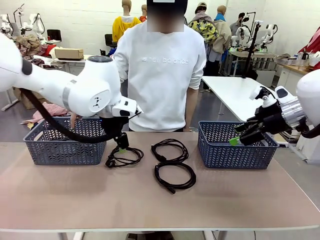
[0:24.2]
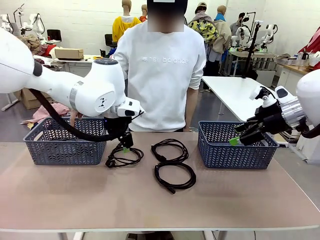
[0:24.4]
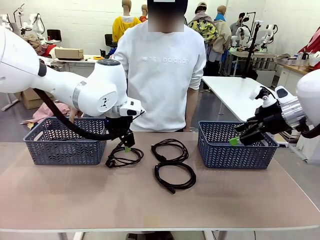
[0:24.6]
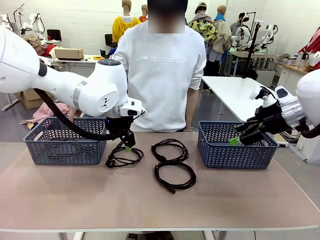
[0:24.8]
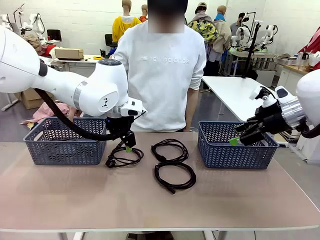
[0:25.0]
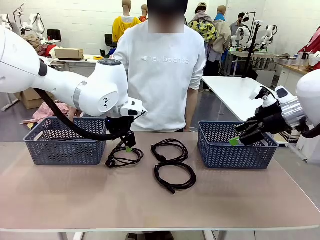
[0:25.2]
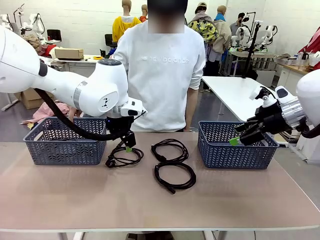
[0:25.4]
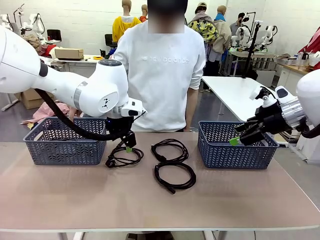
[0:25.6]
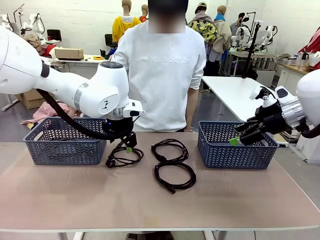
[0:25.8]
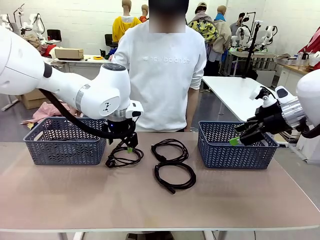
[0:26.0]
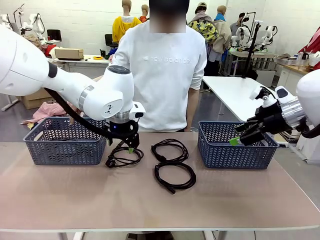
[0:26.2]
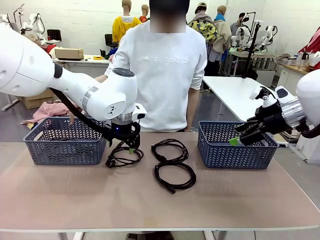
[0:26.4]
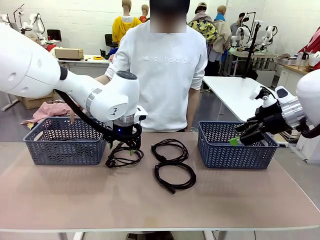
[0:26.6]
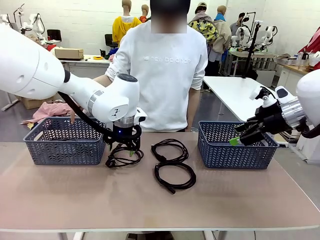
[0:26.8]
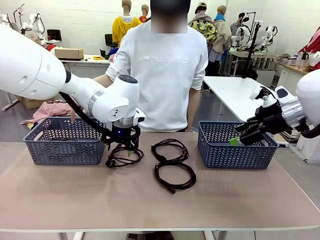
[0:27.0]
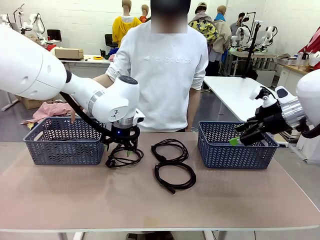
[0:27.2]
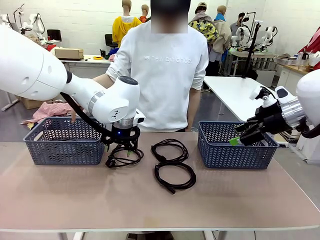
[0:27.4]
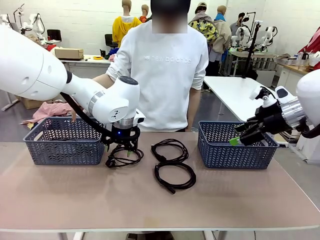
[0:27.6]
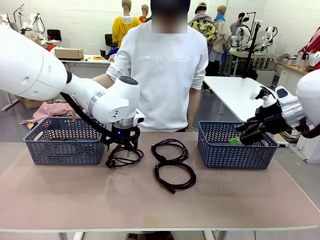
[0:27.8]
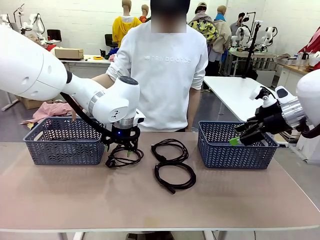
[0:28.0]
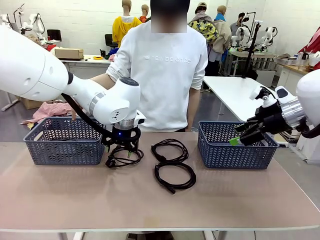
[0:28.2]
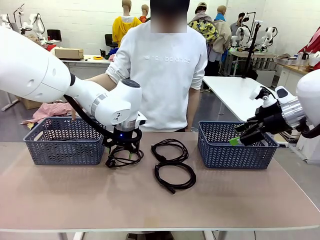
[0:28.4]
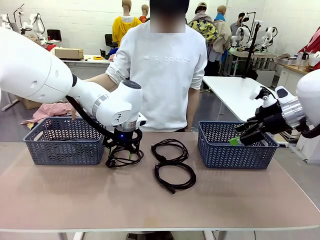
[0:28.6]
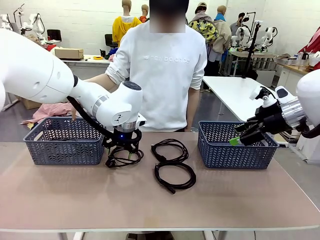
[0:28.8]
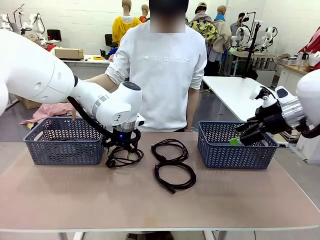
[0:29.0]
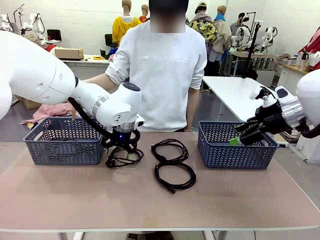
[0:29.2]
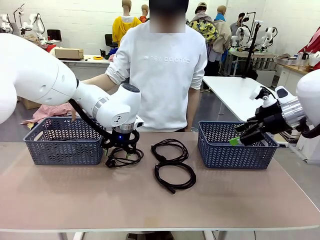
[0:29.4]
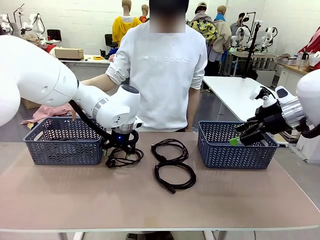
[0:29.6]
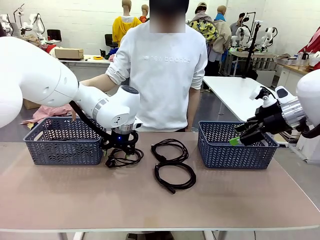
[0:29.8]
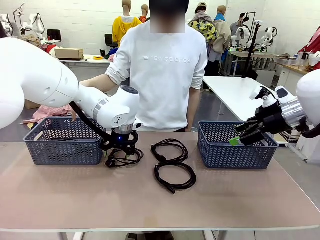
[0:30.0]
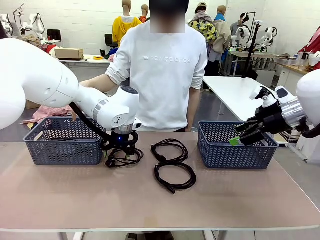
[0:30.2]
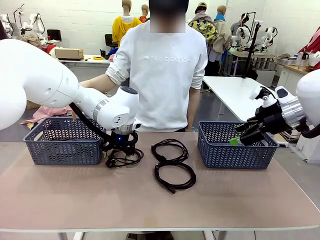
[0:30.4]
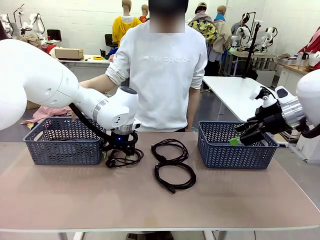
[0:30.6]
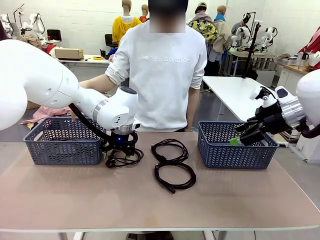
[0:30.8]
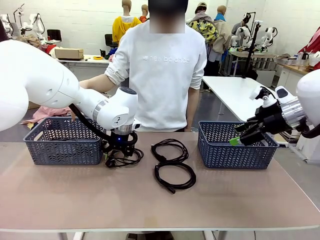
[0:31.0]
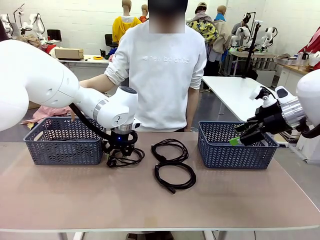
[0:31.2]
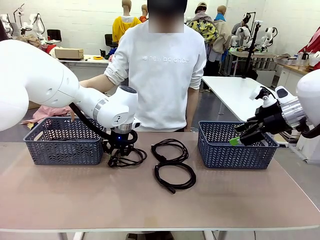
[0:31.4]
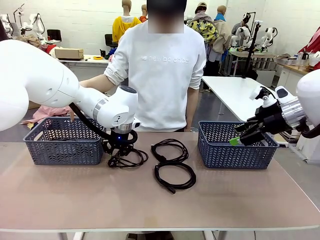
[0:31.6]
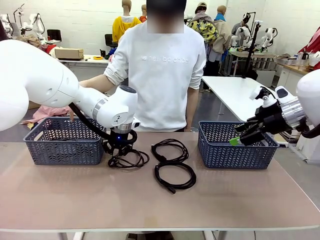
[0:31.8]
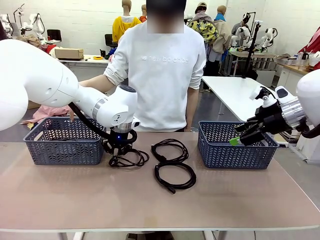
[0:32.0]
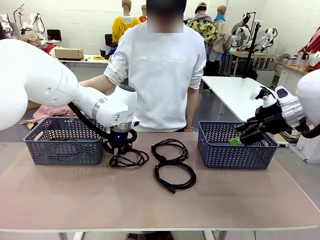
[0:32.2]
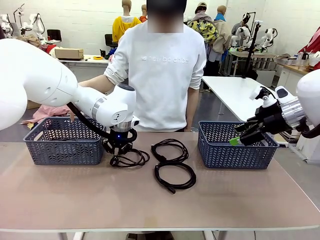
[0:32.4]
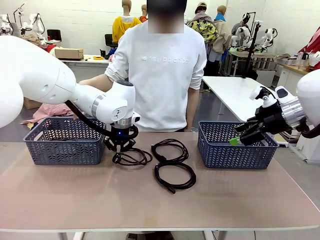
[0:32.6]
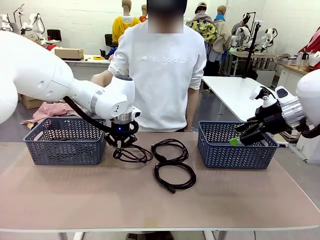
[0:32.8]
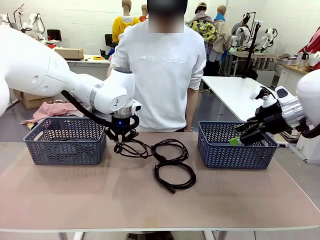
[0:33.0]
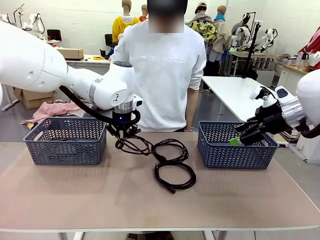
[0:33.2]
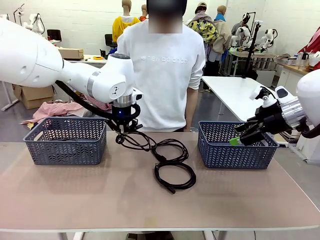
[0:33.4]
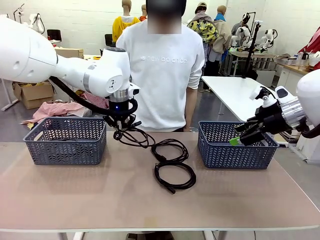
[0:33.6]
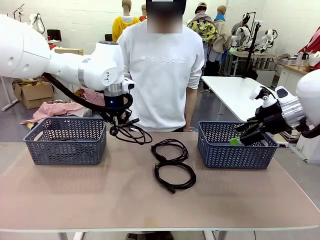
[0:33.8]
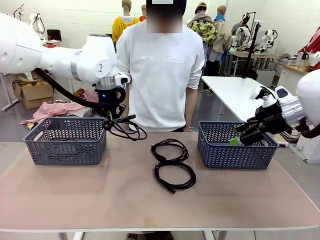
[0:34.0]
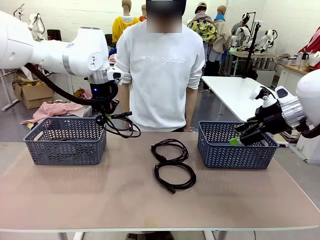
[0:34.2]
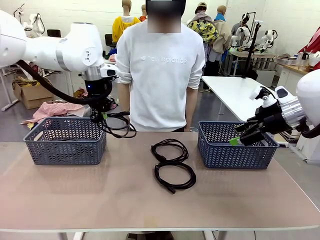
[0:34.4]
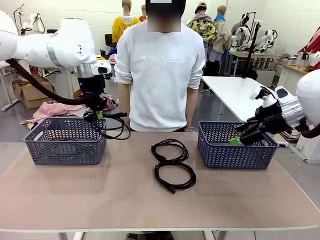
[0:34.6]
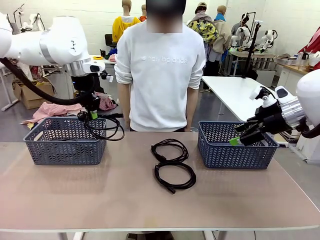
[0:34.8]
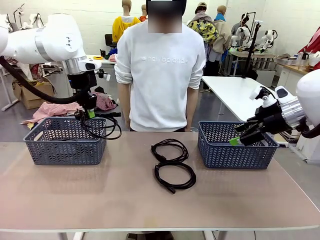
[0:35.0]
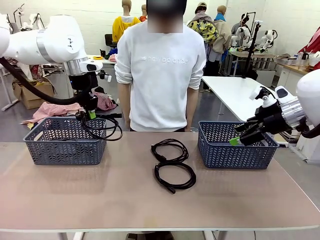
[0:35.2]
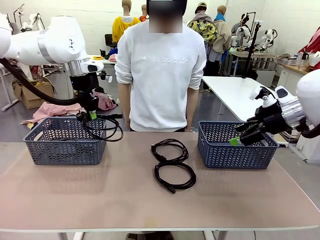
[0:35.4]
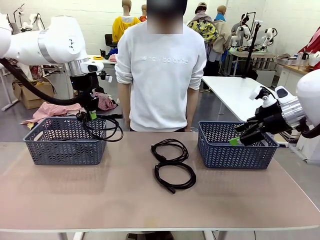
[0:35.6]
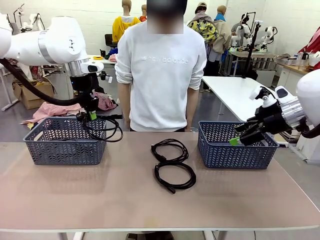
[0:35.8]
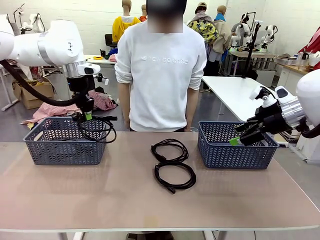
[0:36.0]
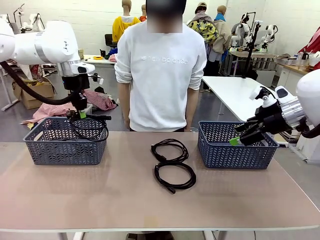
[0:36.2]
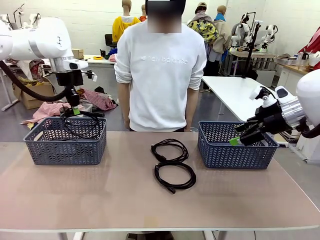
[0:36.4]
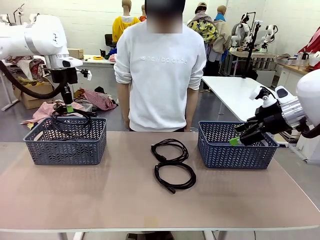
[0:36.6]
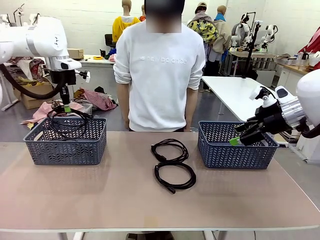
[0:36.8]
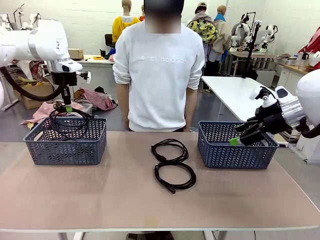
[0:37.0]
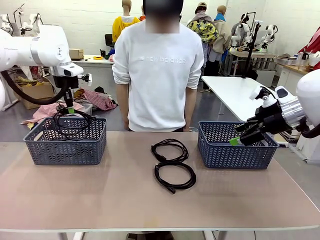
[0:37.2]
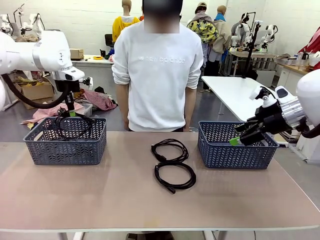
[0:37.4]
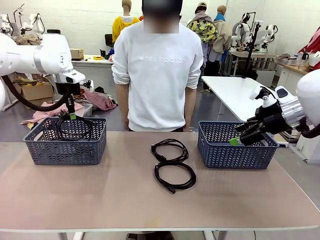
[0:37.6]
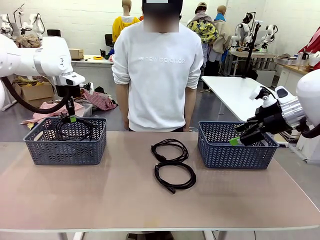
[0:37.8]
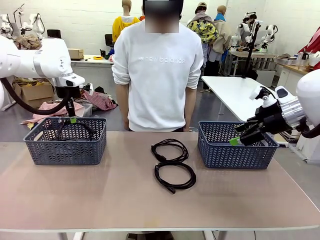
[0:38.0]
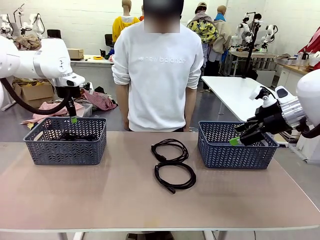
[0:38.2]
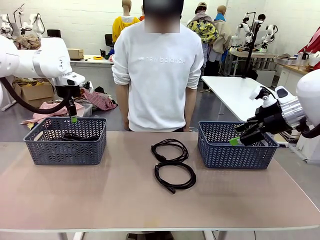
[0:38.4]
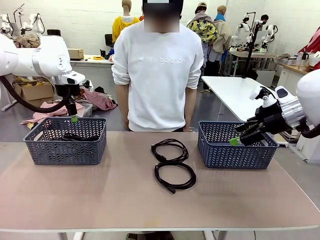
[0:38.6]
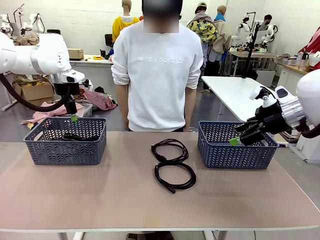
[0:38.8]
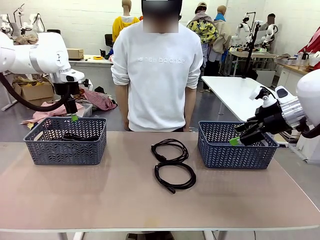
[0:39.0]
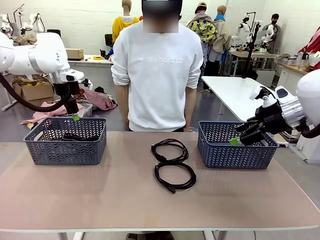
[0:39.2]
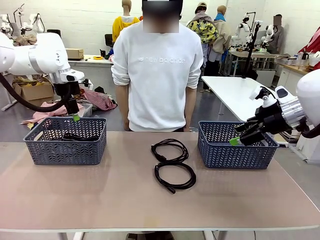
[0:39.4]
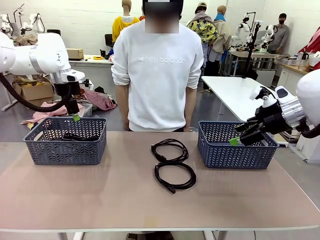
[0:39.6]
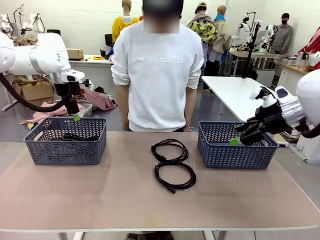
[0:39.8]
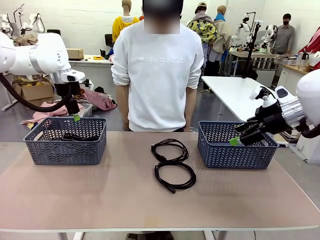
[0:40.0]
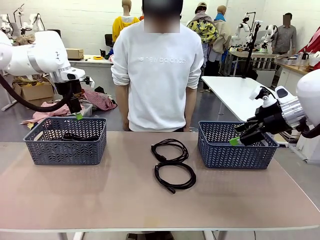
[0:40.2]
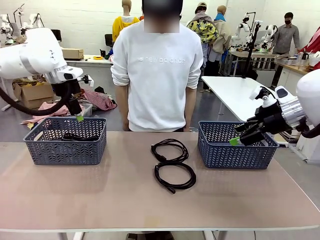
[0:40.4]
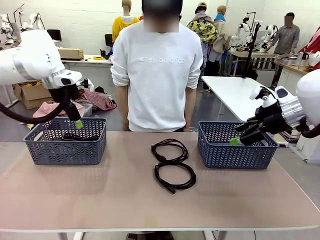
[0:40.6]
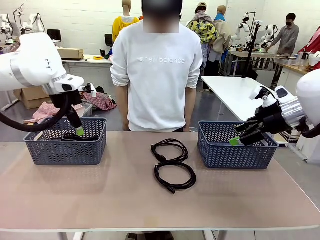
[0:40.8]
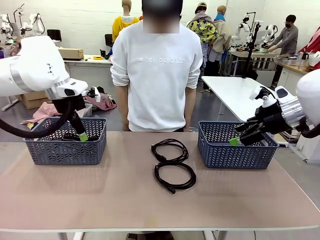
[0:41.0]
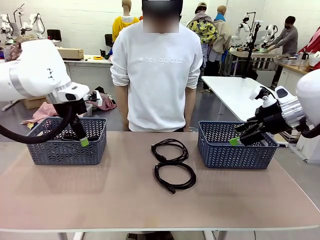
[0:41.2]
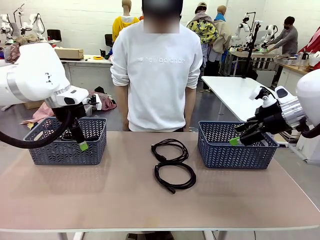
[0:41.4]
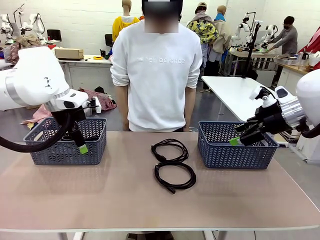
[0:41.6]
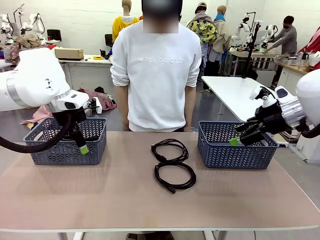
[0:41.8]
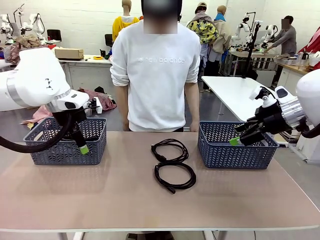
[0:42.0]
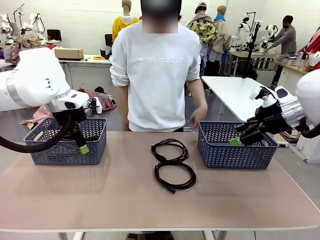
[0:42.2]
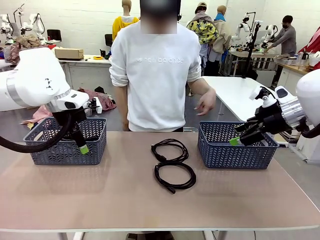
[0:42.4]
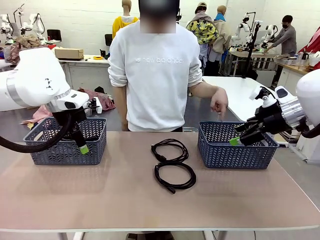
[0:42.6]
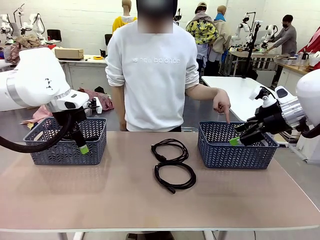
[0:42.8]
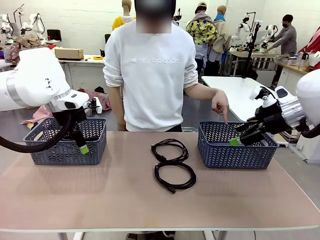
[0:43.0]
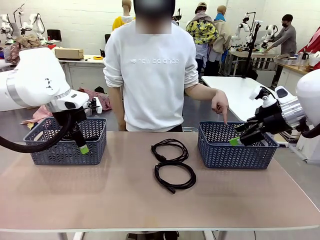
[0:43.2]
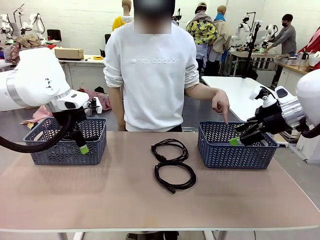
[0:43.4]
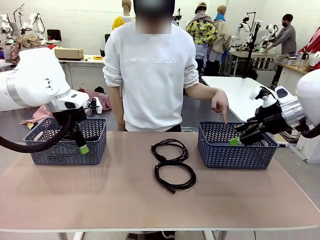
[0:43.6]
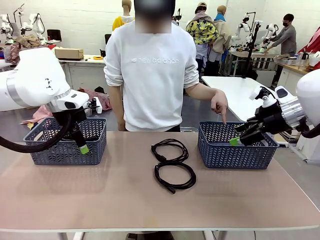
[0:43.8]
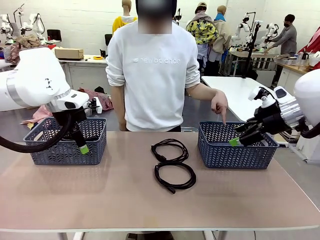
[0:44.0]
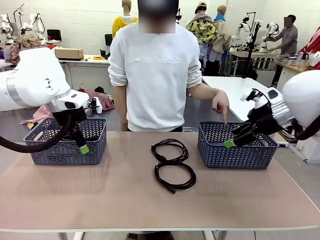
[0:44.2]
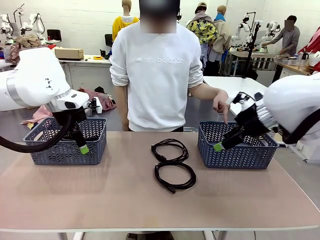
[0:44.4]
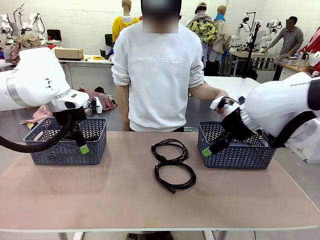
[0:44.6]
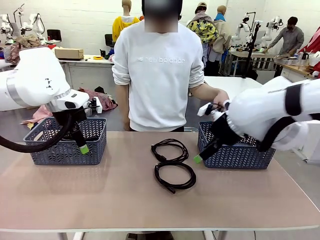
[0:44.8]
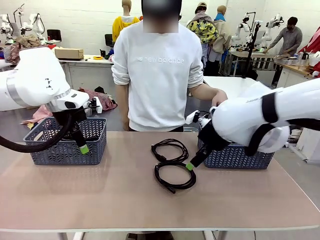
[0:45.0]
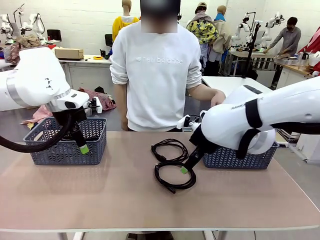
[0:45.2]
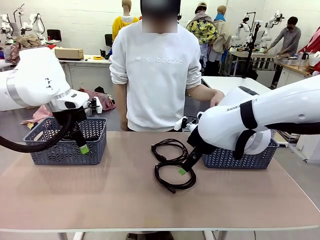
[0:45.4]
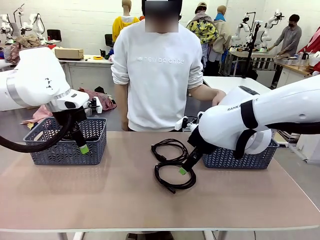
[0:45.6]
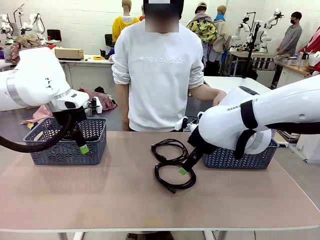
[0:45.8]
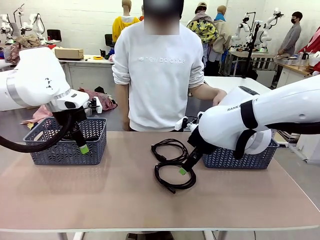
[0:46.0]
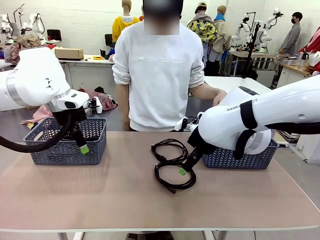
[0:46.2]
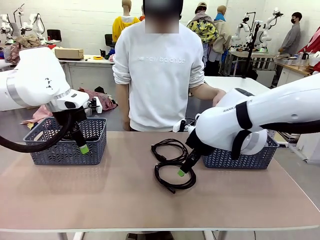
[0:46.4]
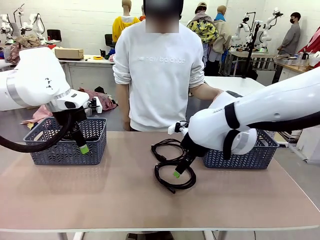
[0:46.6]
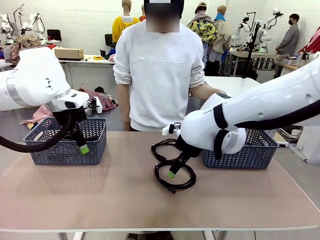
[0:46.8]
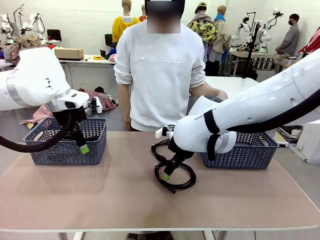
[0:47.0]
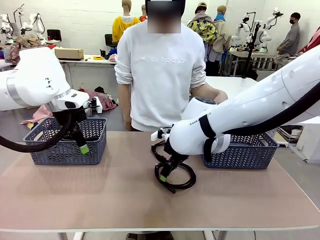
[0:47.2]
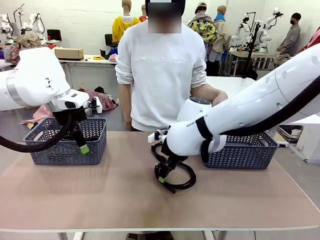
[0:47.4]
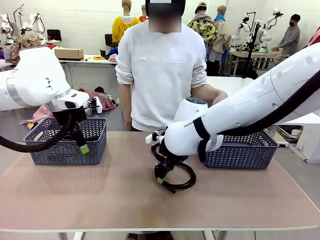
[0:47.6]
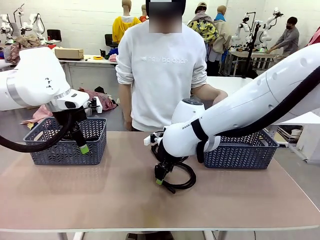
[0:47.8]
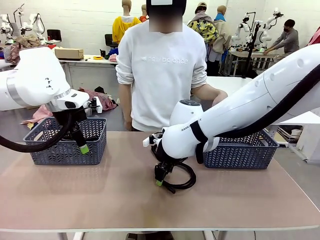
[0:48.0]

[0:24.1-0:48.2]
Task: Organize the cables according to human instructions.
Robot: Pick up a bundle of cables and place it in the basket indicated by the human.
